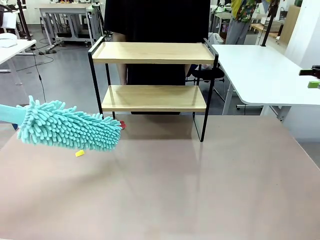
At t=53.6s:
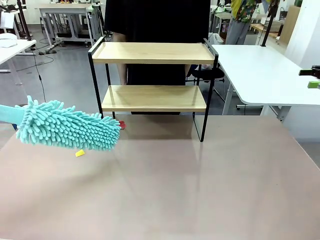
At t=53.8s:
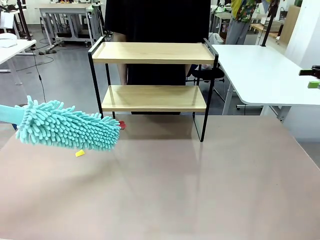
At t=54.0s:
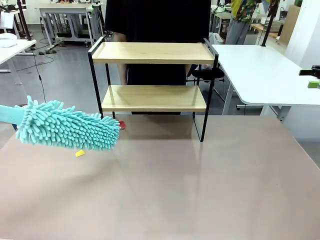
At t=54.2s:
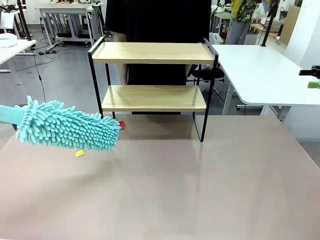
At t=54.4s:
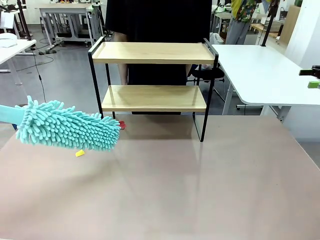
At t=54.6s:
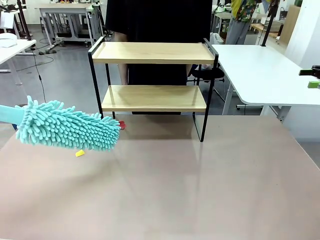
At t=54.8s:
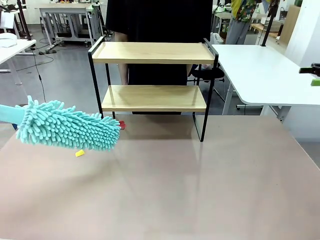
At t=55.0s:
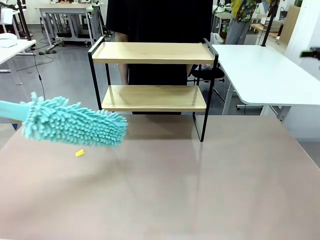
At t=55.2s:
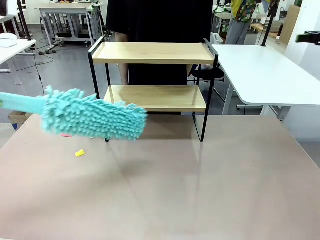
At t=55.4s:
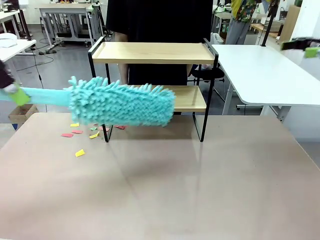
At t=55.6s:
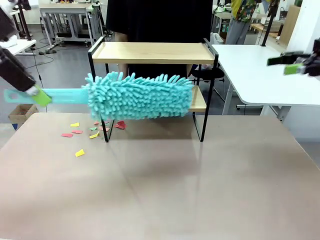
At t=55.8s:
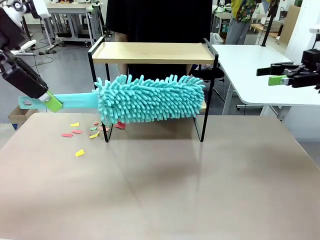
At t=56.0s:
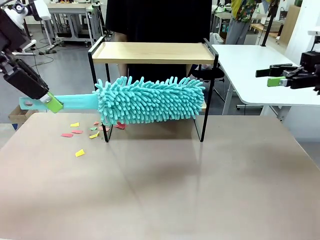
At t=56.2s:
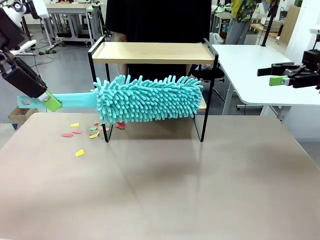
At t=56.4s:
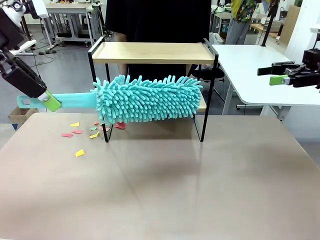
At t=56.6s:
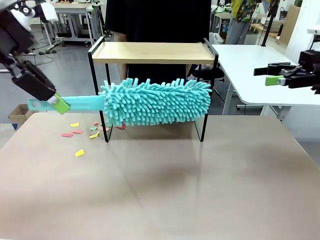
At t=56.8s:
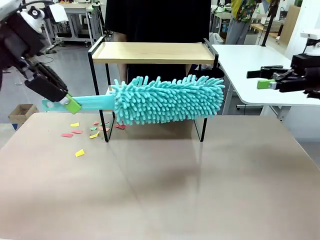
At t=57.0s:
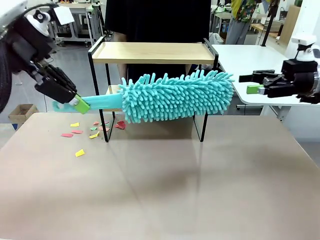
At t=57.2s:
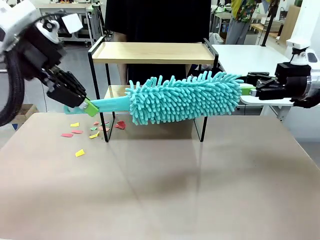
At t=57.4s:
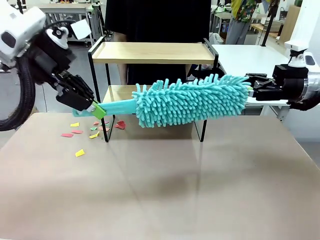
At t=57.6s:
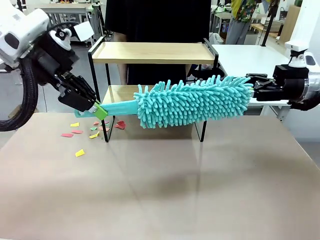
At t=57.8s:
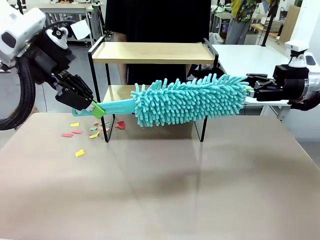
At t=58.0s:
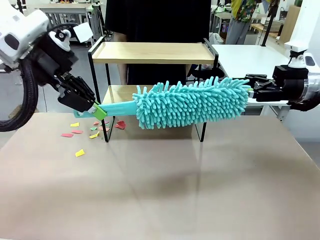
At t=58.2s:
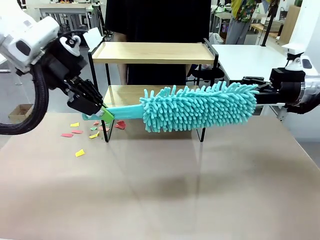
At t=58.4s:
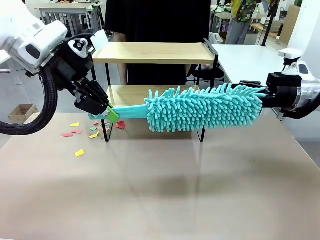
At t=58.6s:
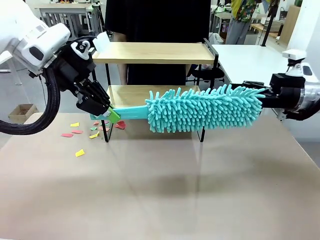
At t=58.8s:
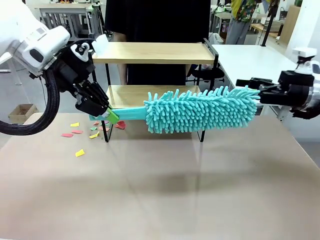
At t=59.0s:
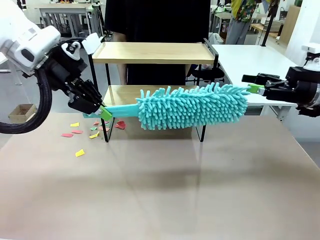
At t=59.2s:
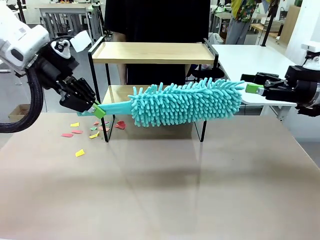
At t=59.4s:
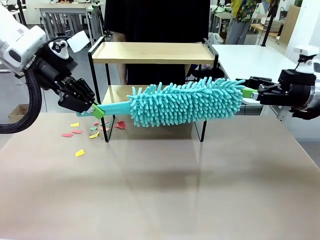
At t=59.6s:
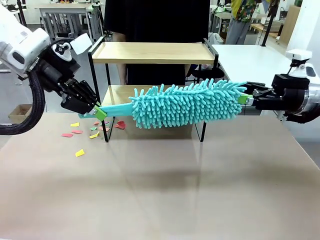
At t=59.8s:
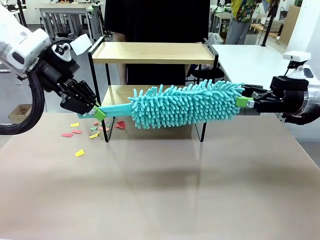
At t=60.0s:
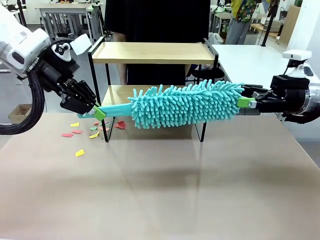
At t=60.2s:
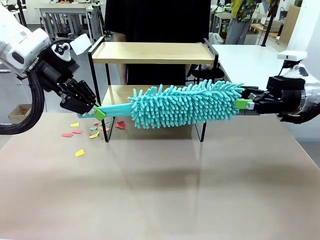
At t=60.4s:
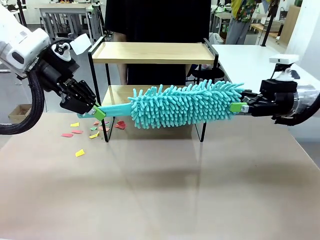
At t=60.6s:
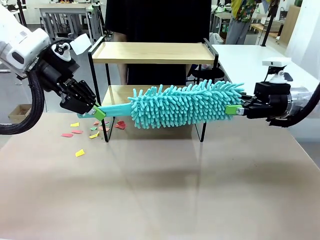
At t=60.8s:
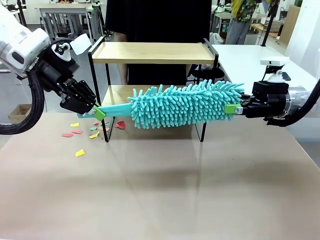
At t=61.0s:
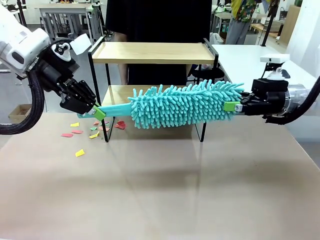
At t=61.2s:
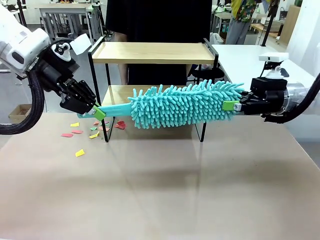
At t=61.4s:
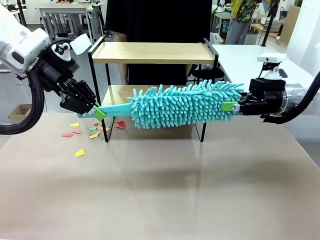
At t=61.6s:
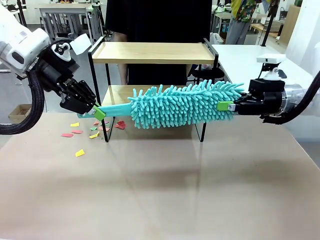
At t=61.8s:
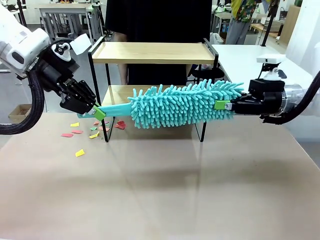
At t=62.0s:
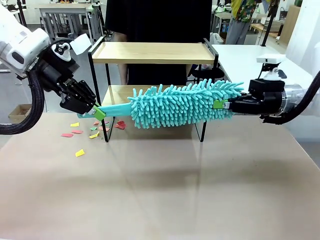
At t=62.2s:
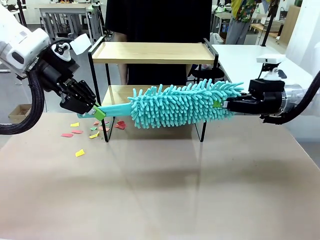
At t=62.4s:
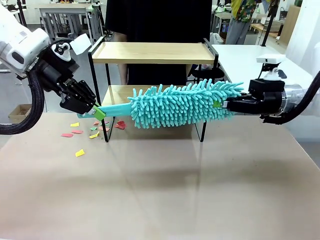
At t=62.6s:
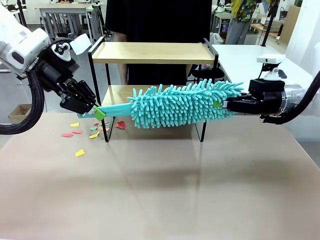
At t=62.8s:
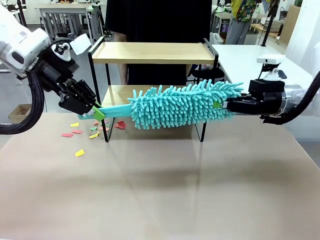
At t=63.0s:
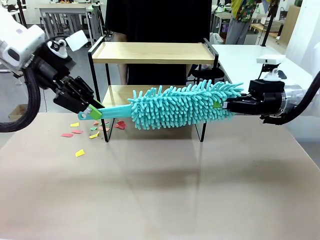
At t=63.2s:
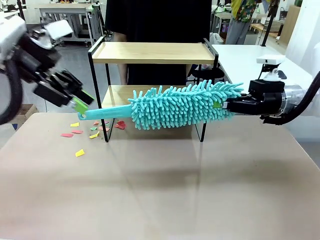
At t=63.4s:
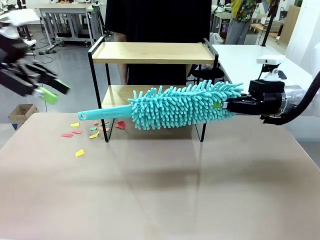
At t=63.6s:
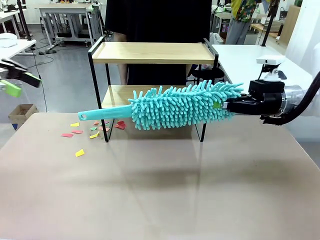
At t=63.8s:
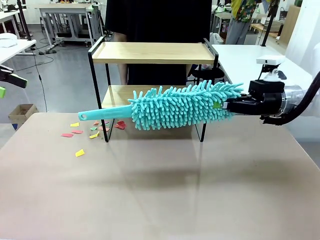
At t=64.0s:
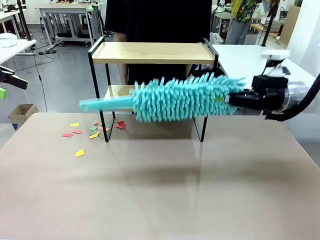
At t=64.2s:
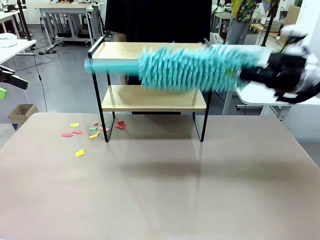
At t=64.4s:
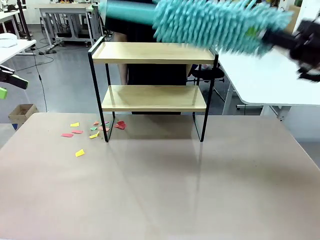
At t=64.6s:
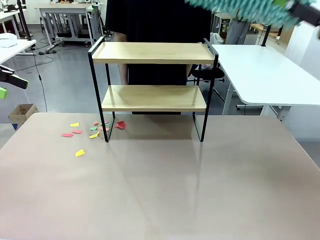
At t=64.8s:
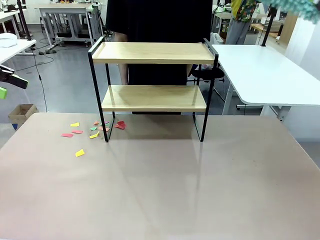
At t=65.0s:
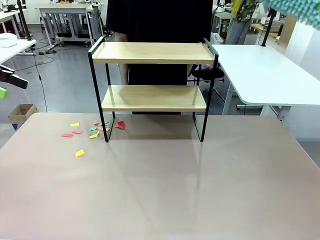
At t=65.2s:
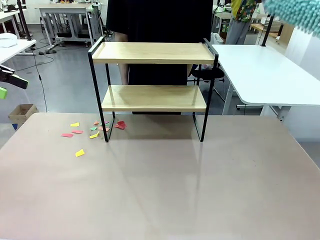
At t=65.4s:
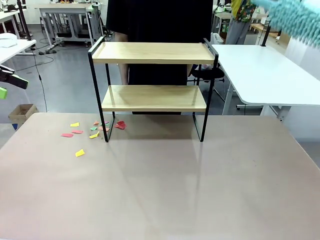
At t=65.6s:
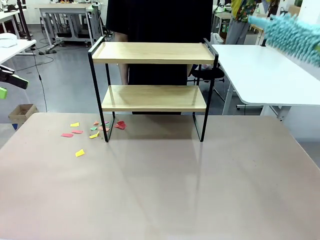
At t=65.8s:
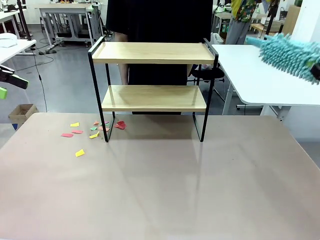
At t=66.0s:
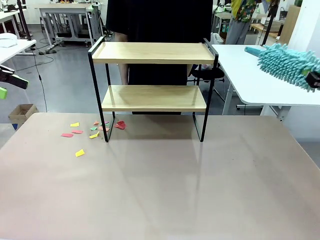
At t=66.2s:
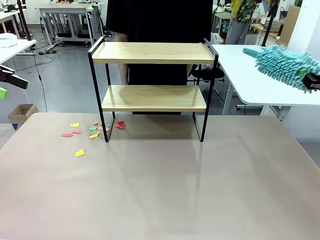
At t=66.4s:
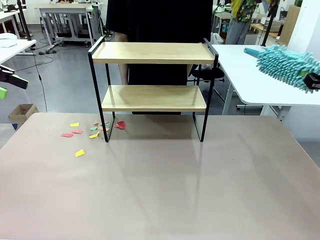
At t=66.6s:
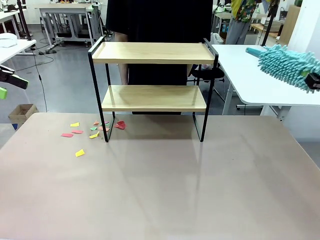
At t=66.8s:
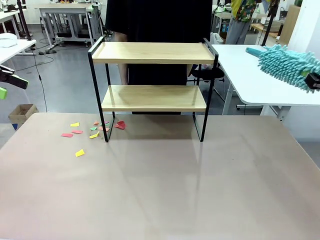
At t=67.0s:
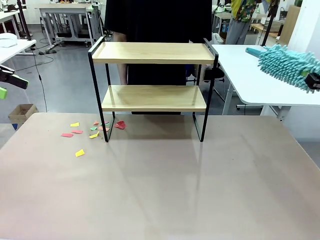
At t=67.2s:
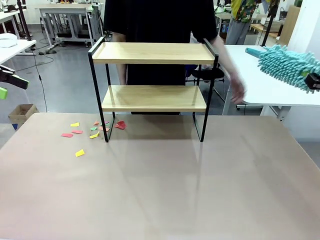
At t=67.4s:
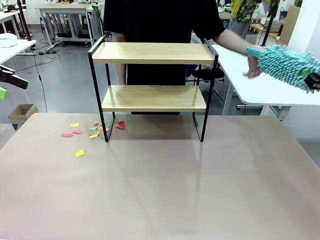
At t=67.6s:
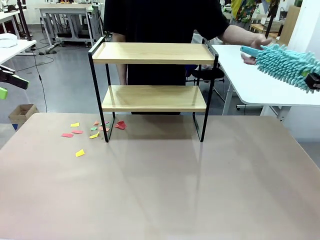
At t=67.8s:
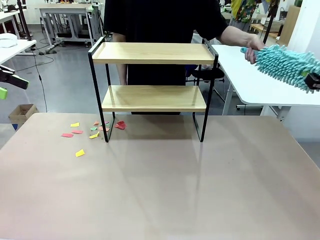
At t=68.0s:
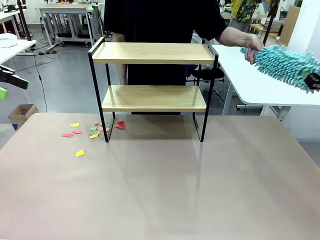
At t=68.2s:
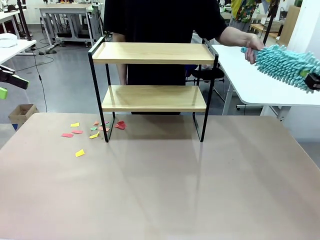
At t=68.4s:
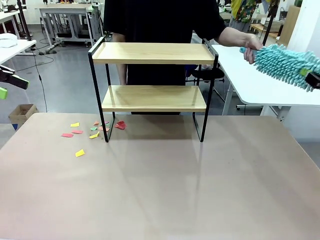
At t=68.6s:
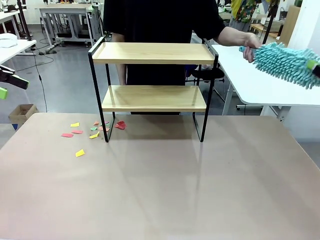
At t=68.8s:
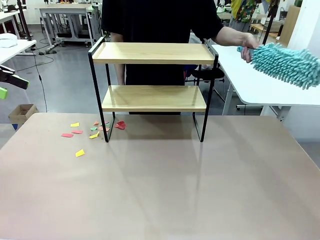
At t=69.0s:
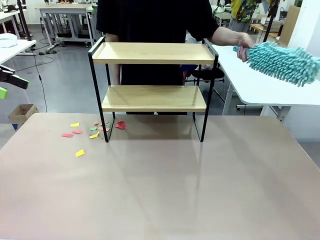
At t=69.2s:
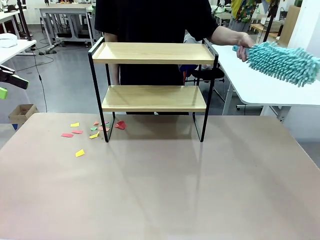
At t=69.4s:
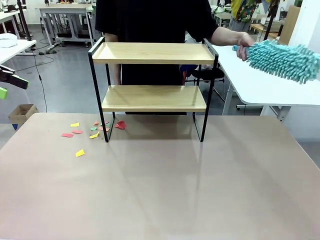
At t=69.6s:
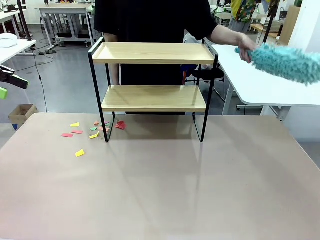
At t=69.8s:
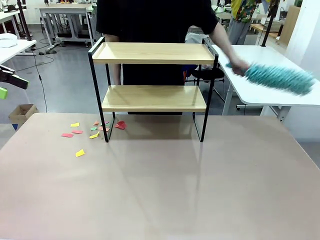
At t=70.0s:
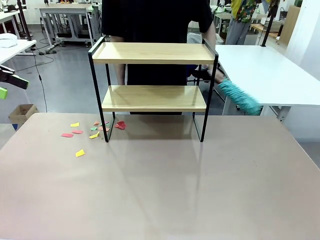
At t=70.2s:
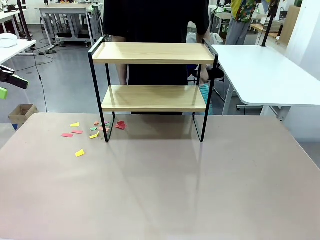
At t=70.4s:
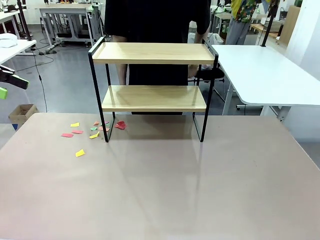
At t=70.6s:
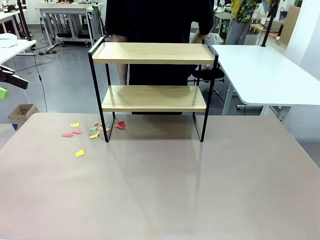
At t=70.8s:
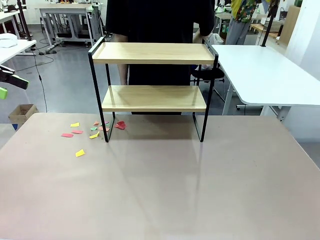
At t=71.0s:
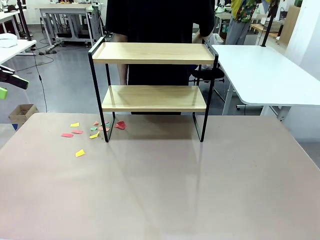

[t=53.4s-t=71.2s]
Task: Clean the shelf.
Robot: Hand the Duster back to the human.
Person: Receive the Duster from the robot.

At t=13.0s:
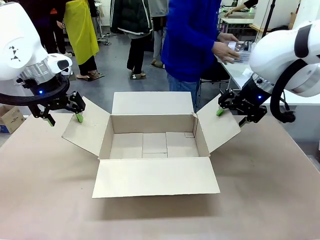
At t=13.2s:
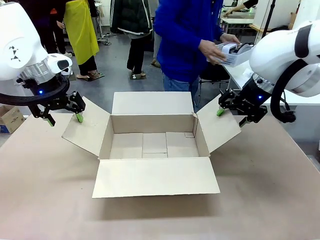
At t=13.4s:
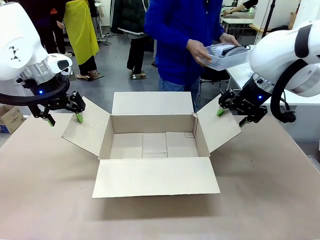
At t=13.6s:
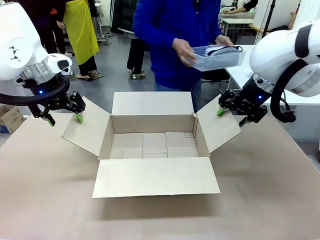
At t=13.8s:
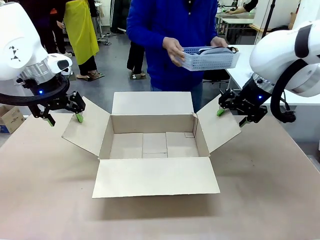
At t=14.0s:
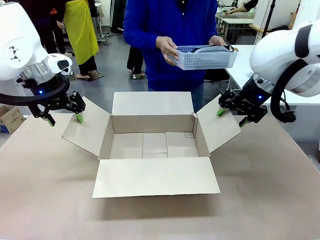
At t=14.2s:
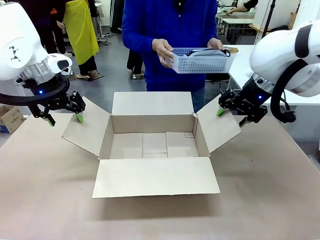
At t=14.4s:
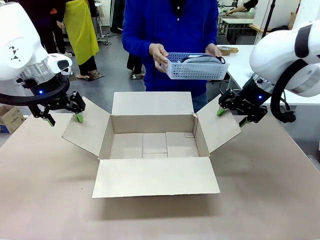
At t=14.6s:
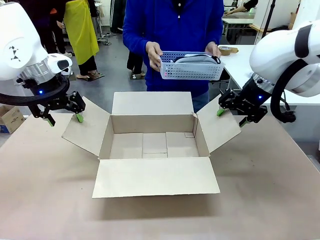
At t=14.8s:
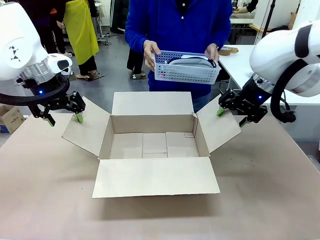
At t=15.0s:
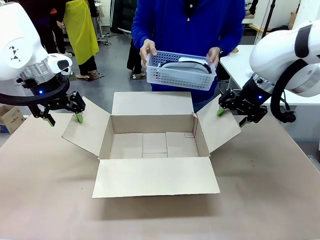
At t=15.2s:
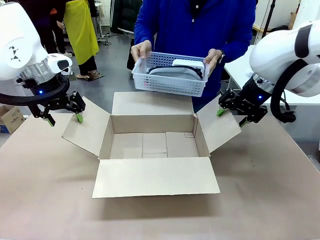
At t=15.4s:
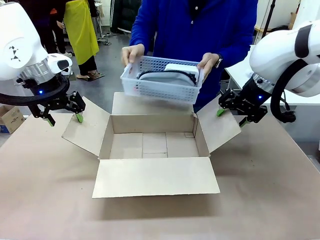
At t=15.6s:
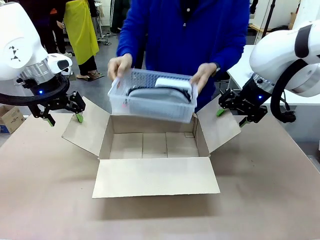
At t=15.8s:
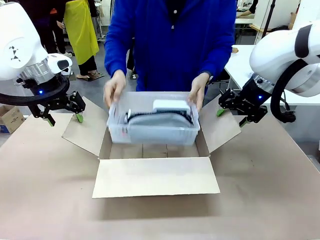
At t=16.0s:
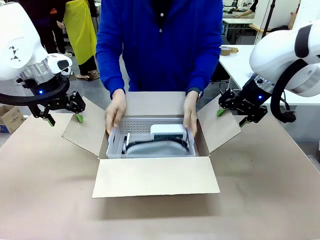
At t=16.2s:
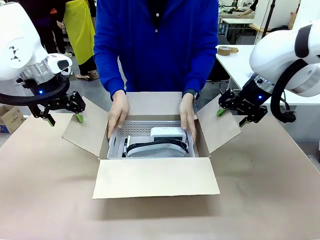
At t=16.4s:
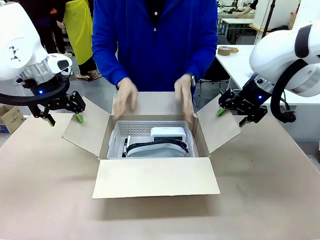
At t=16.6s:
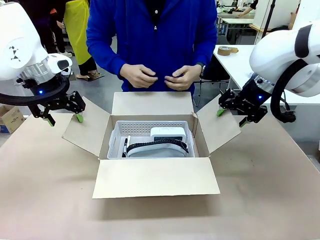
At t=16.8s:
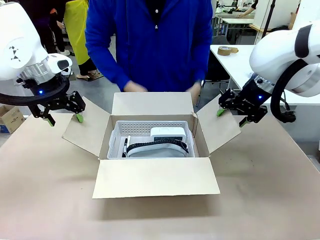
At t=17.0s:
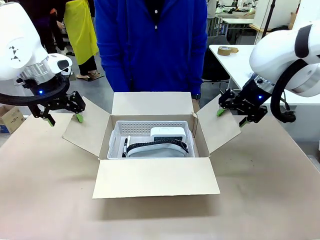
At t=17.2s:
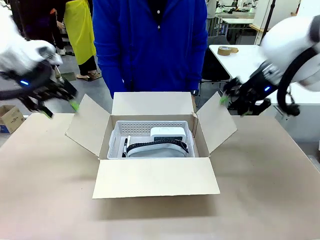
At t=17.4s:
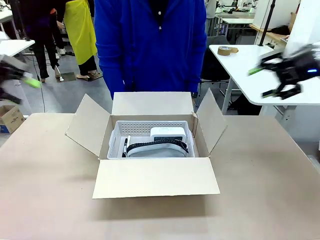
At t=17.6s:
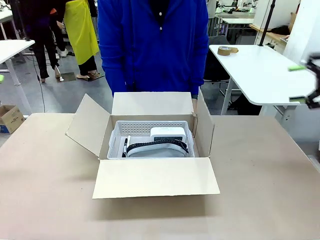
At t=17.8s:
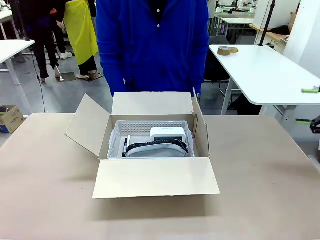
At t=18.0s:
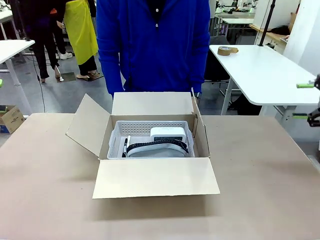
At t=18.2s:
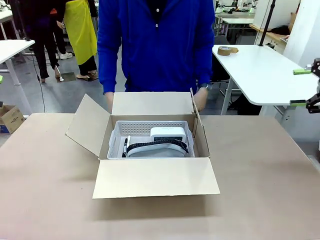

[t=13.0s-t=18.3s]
Task: Pack the gift set into the box.
Robot: Lift both hands away from the flaps of the Package Box.
Person: The human picks up the organizing basket and places the organizing basket into the package box on the robot table.
